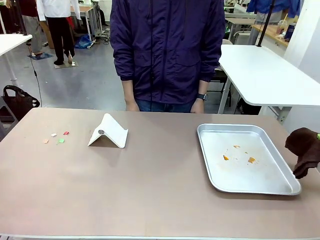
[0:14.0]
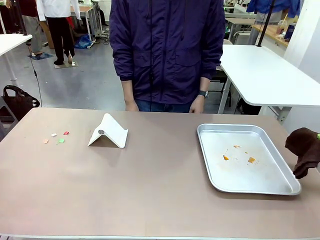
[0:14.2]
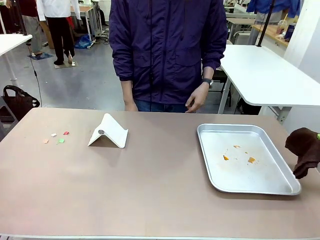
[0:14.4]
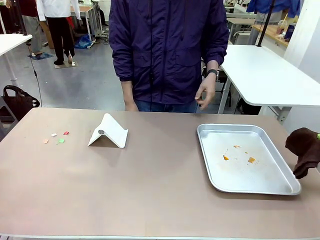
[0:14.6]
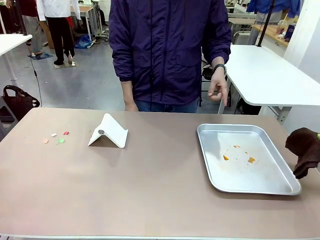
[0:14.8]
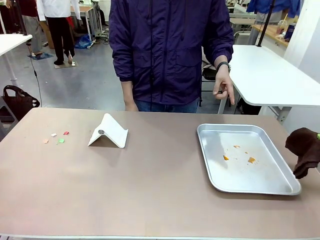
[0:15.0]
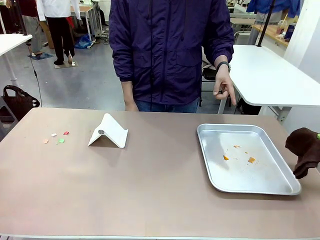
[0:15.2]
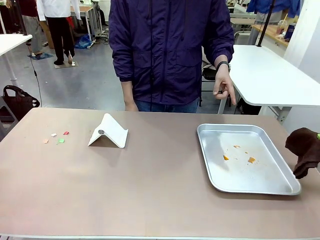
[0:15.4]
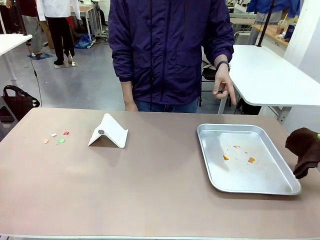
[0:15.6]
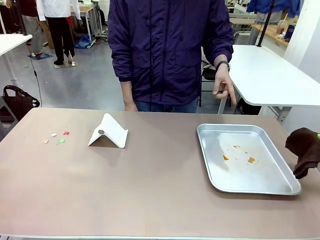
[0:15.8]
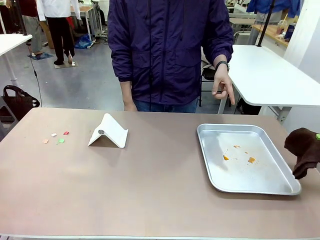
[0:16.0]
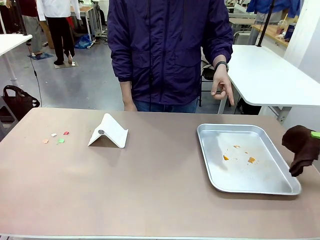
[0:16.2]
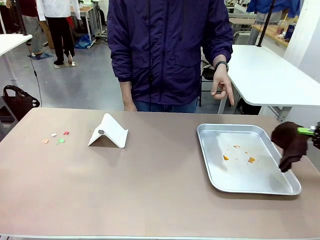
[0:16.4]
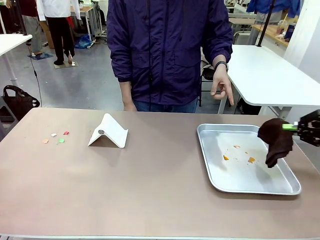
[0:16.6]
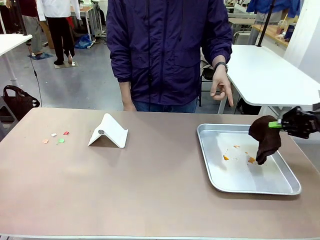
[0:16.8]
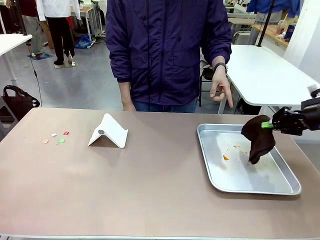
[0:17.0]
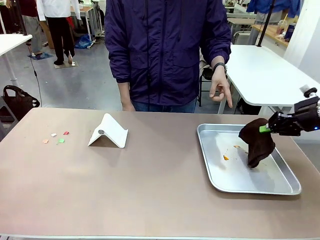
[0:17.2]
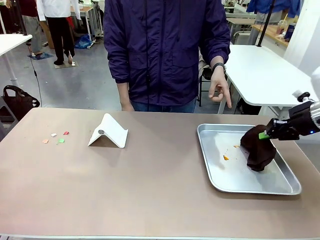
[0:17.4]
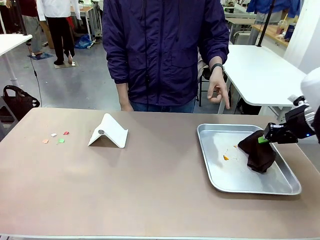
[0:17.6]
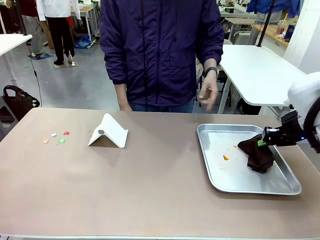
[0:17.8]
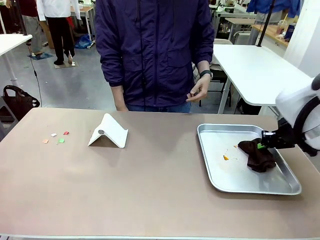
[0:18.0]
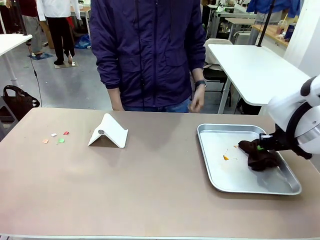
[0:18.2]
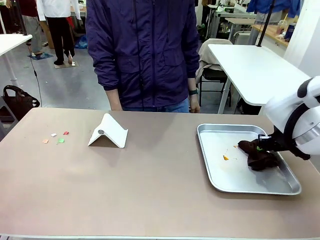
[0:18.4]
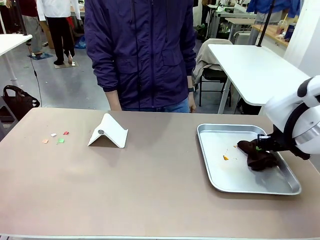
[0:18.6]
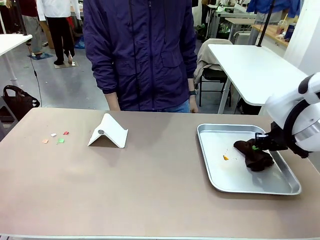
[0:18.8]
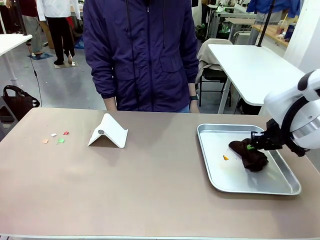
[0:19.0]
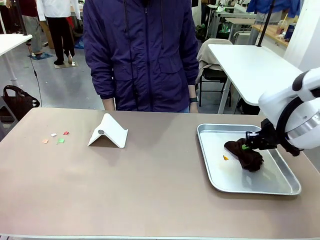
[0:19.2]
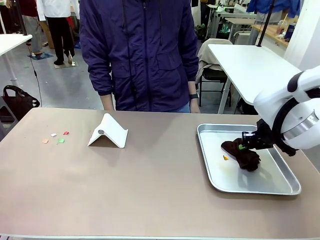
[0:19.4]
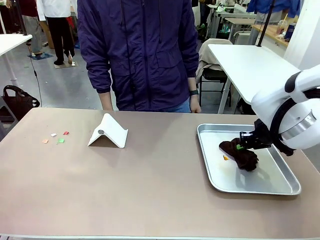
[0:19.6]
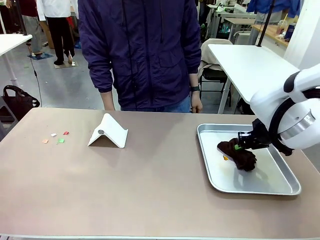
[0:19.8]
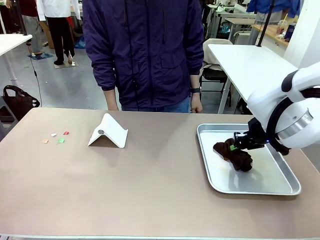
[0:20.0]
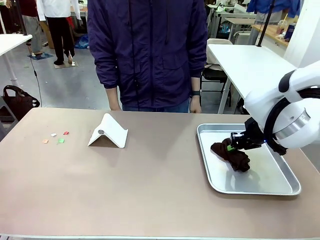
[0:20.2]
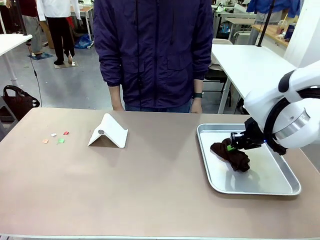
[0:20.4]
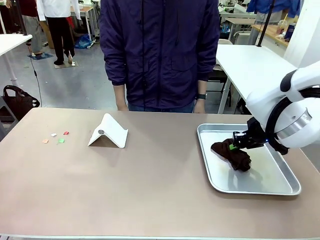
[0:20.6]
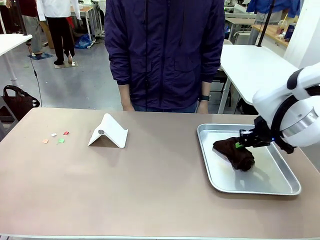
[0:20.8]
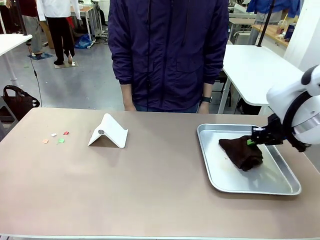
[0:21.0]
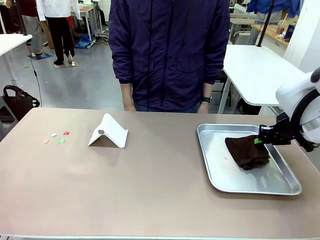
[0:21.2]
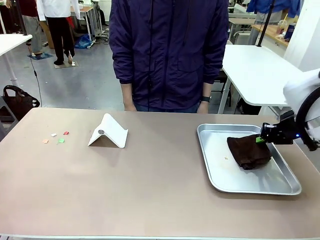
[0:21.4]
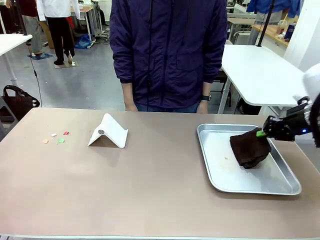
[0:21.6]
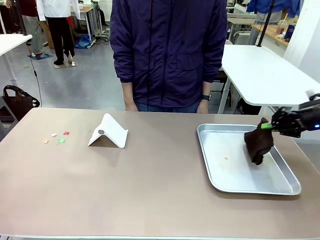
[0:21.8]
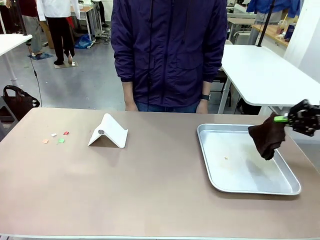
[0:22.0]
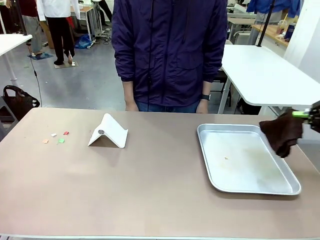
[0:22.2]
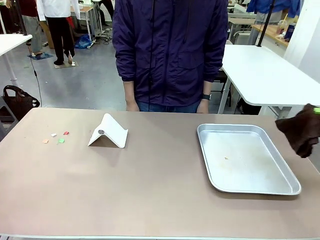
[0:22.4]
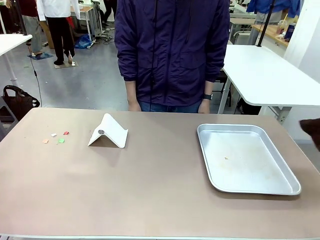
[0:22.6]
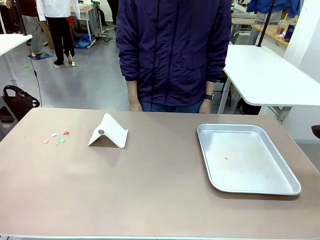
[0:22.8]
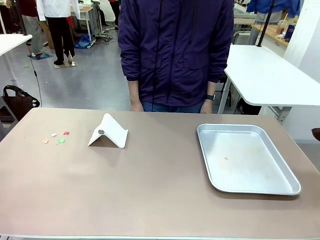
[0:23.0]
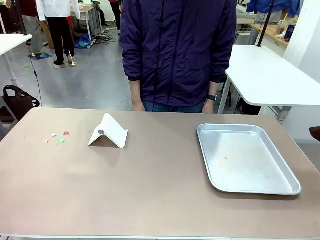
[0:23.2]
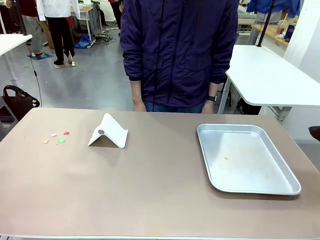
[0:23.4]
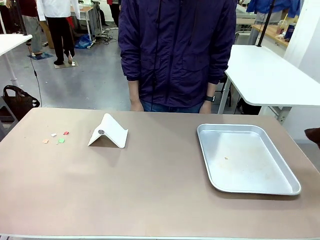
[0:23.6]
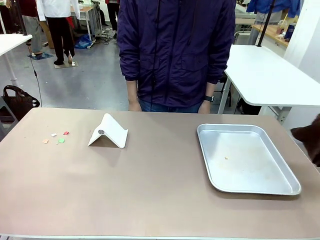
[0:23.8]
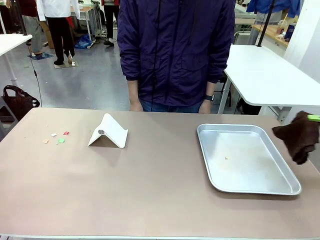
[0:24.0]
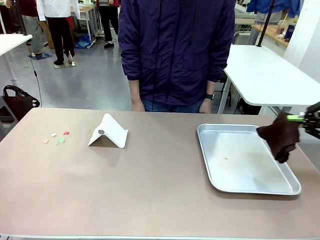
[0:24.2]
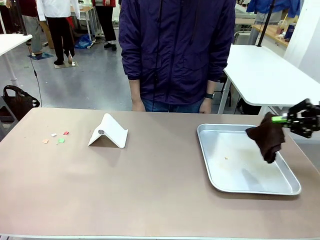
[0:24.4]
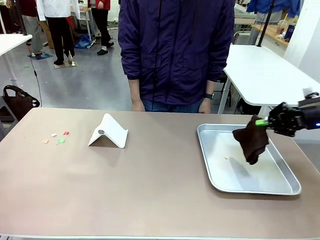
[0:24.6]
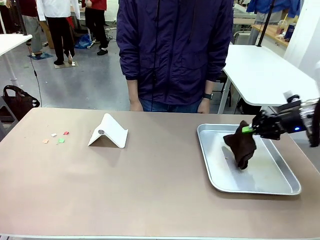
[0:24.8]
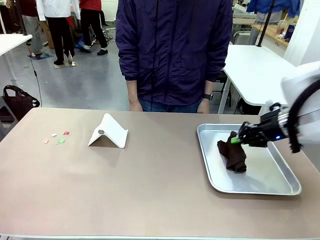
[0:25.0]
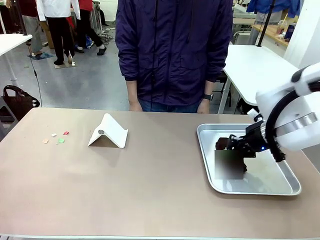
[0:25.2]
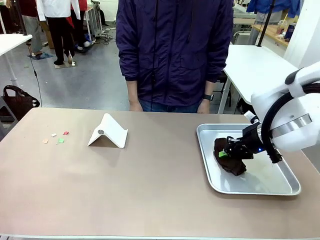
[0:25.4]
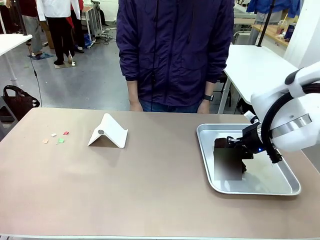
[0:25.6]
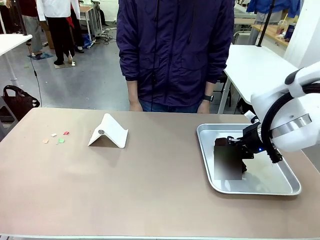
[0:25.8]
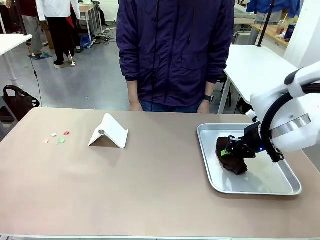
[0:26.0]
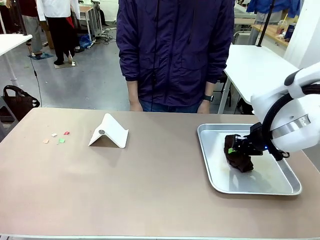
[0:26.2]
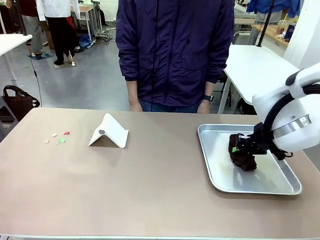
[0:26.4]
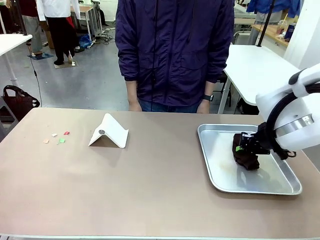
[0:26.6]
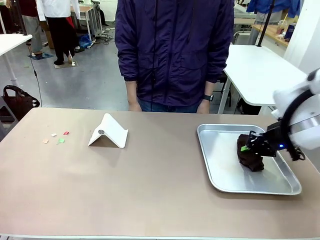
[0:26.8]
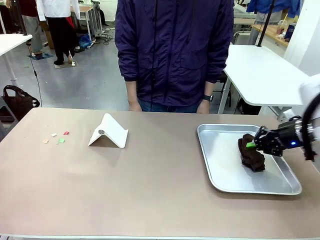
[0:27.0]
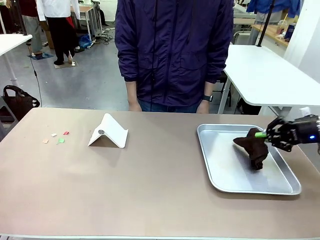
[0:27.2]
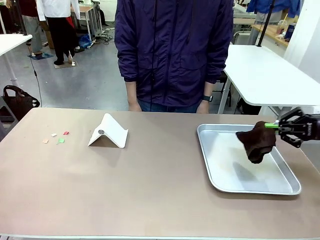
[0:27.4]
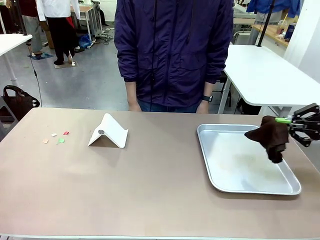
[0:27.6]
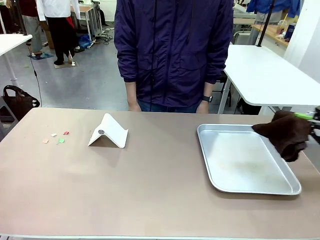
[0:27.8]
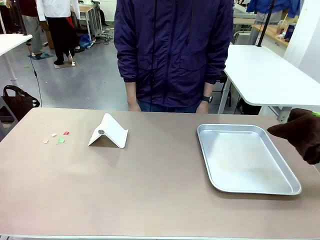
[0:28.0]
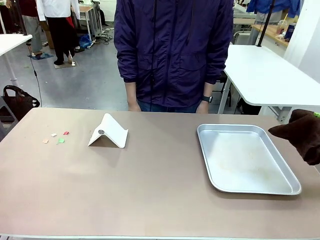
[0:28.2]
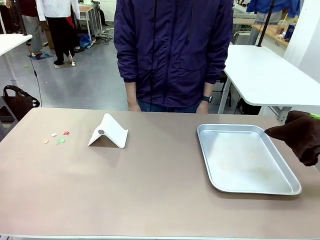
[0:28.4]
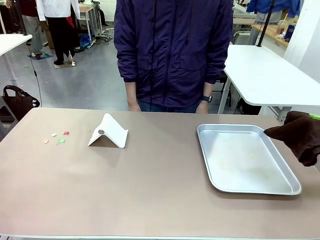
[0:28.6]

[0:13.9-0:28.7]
Task: Clean the surface of the table.
Robot: If a person points to the right, clean the right side of the table with your right hand, and if they point to the left, clean the left side with your left hand.

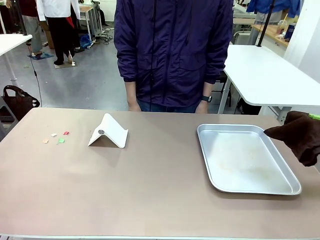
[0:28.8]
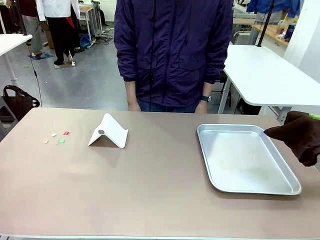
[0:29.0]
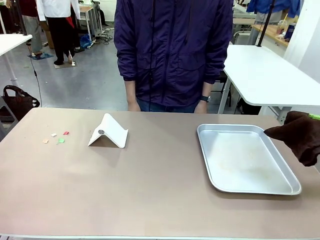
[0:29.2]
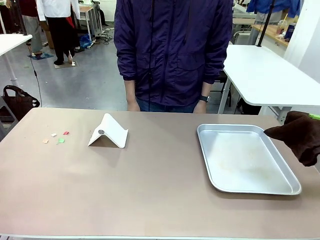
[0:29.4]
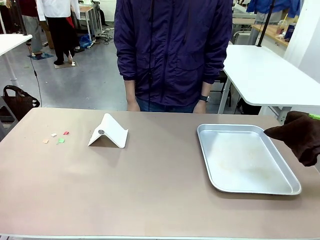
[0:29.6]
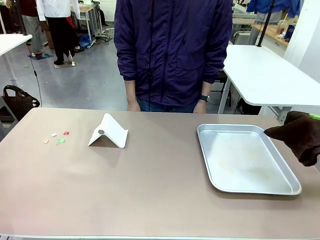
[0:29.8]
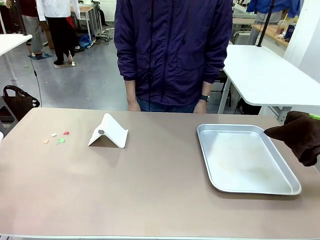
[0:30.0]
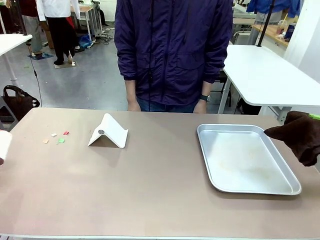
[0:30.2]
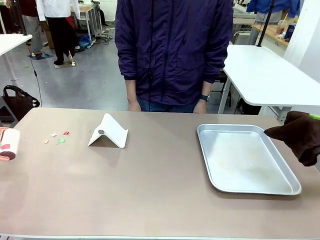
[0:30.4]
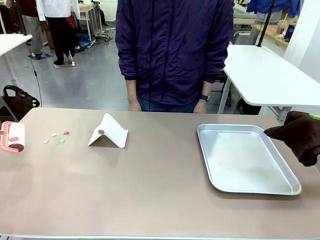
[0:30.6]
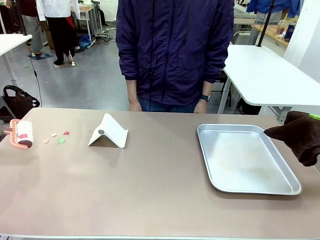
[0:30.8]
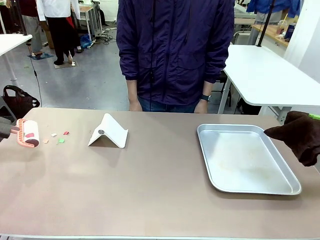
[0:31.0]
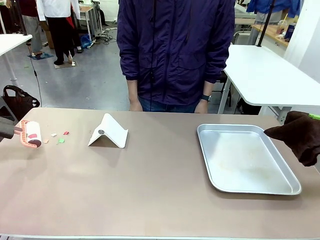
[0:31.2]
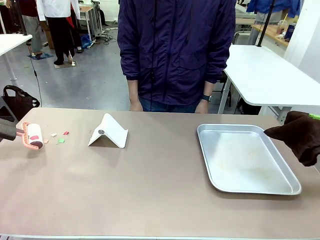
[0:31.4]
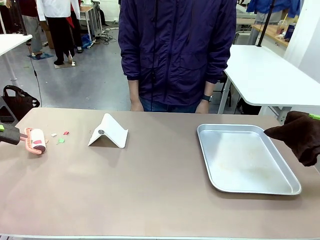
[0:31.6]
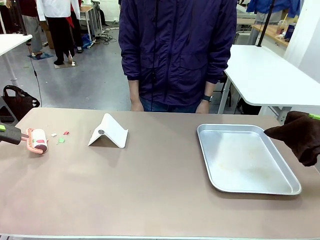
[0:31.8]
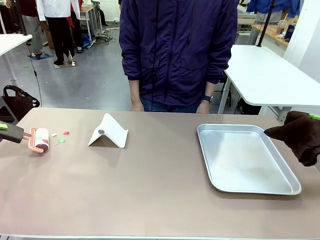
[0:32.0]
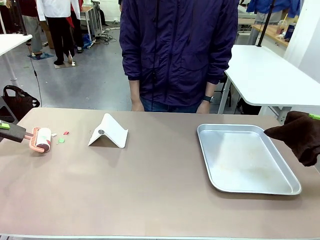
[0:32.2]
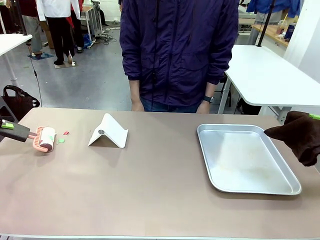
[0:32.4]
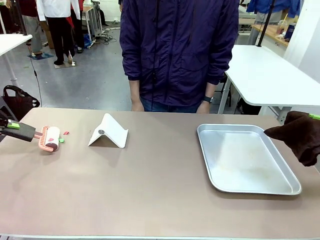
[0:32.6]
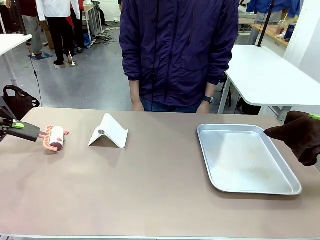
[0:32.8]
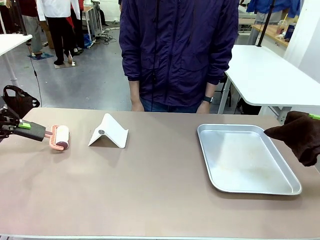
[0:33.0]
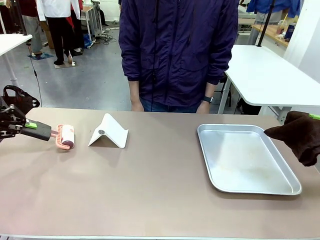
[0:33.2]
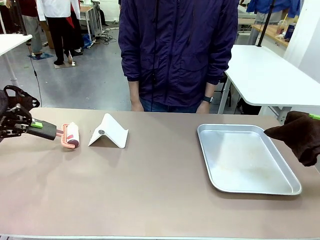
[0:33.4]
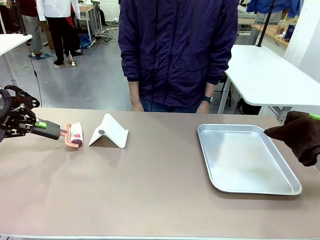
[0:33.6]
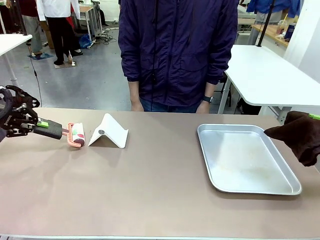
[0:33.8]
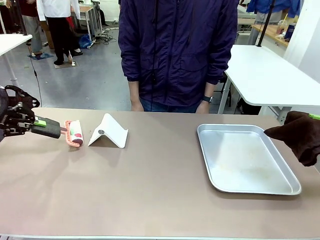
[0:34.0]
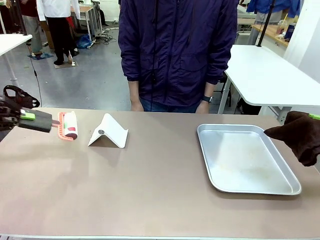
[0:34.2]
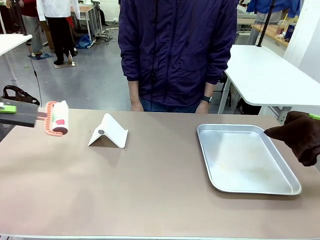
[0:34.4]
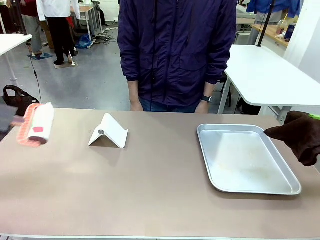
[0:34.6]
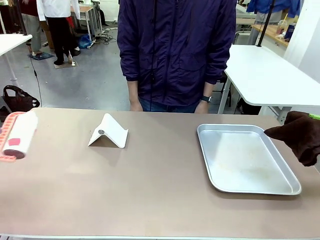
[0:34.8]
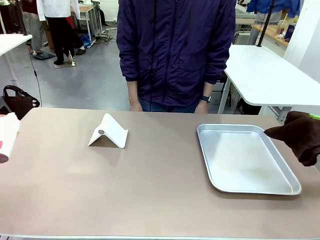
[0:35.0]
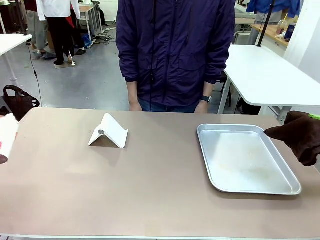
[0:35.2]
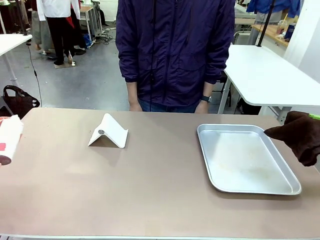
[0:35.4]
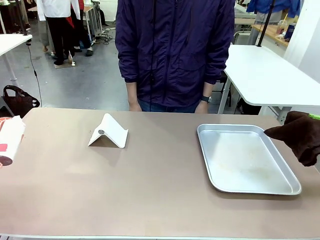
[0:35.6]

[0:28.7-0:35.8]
Robot: Clean the area not pointed to by the person.
